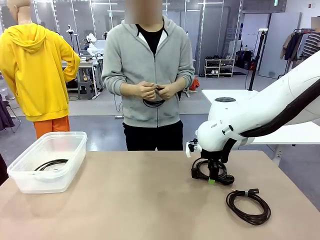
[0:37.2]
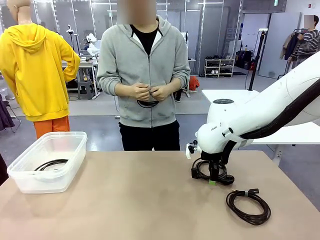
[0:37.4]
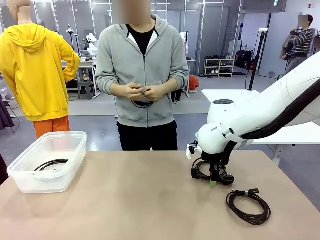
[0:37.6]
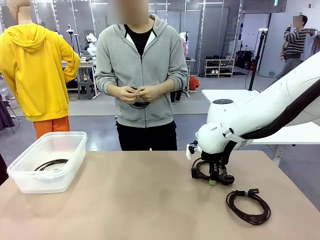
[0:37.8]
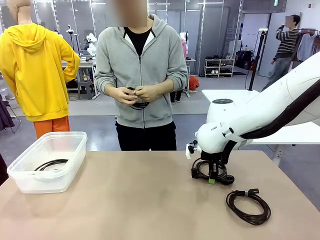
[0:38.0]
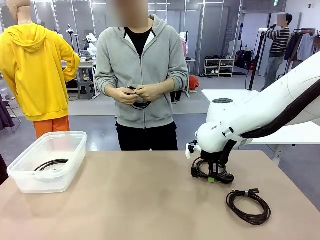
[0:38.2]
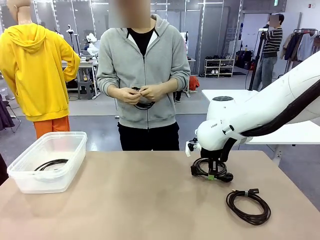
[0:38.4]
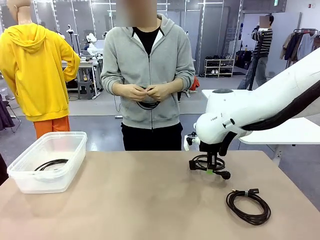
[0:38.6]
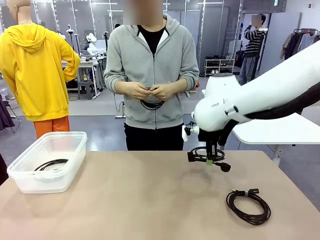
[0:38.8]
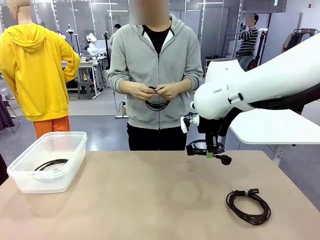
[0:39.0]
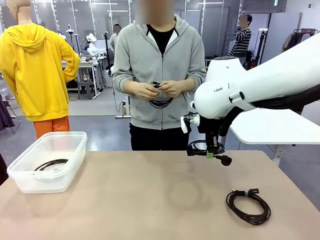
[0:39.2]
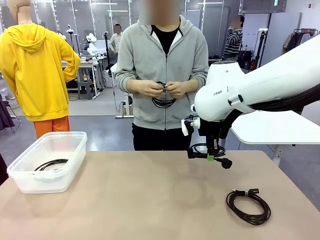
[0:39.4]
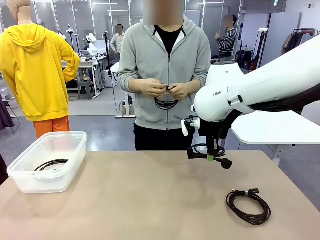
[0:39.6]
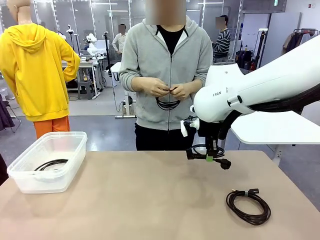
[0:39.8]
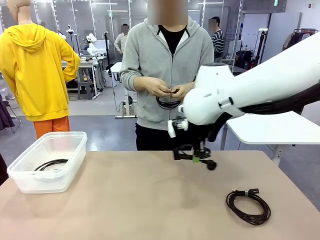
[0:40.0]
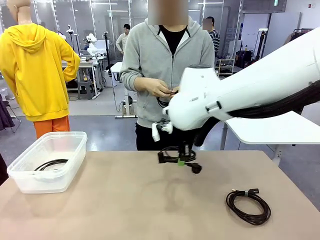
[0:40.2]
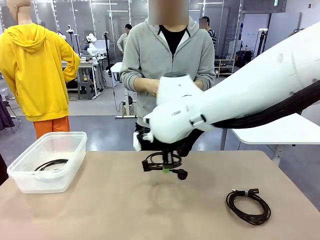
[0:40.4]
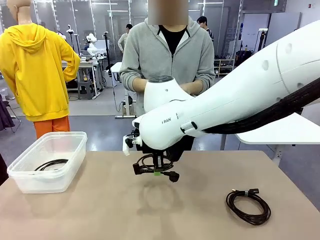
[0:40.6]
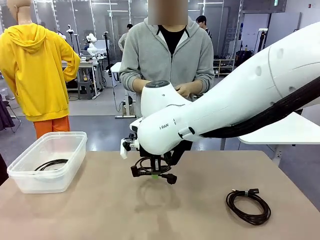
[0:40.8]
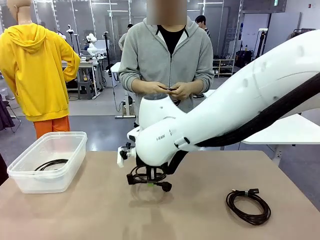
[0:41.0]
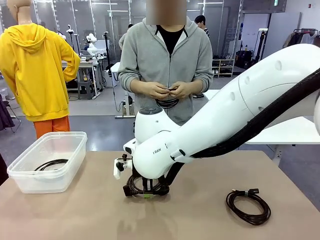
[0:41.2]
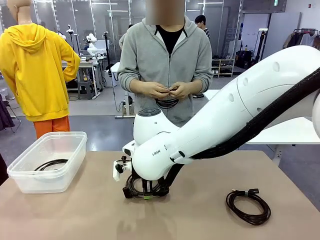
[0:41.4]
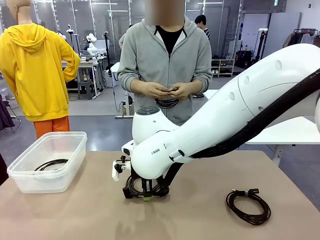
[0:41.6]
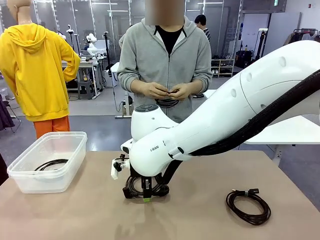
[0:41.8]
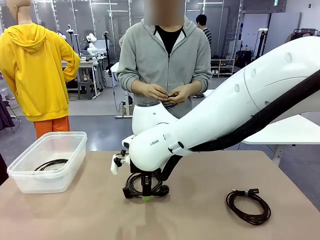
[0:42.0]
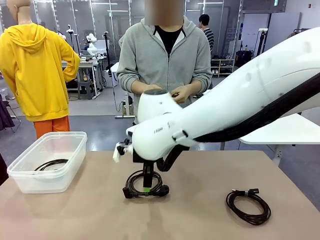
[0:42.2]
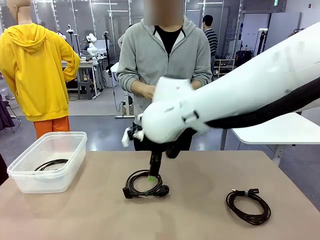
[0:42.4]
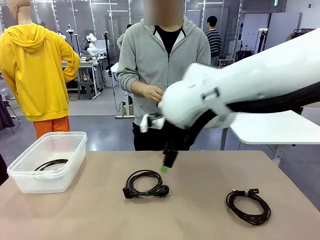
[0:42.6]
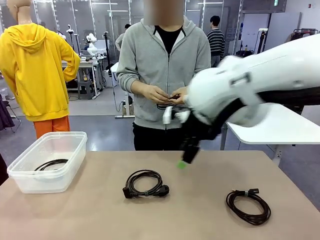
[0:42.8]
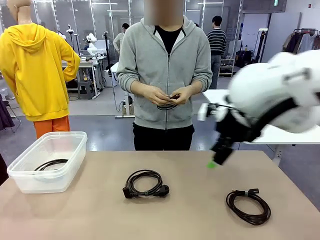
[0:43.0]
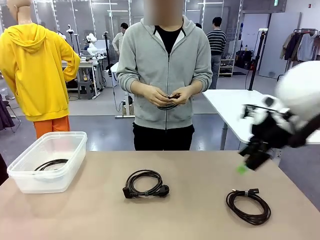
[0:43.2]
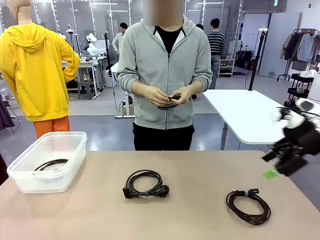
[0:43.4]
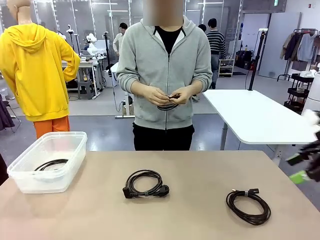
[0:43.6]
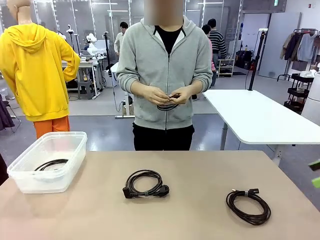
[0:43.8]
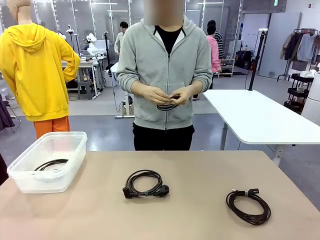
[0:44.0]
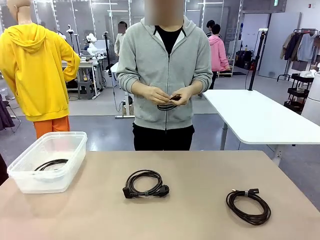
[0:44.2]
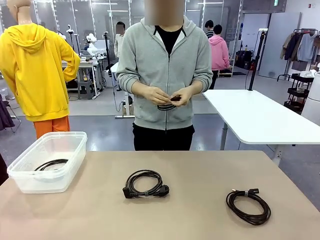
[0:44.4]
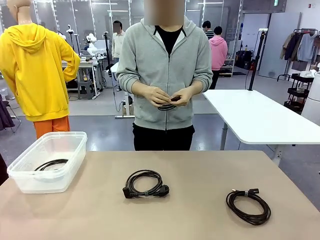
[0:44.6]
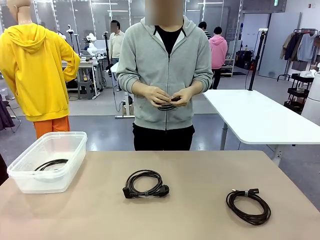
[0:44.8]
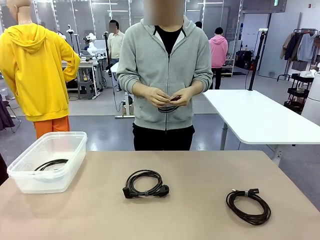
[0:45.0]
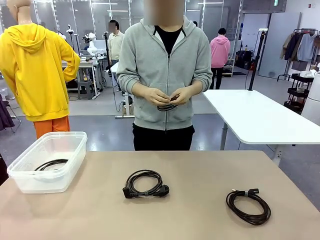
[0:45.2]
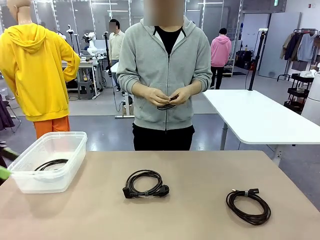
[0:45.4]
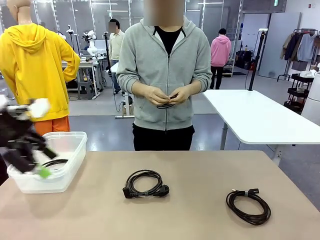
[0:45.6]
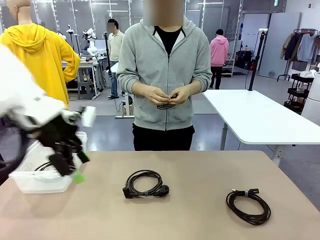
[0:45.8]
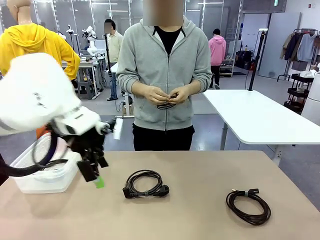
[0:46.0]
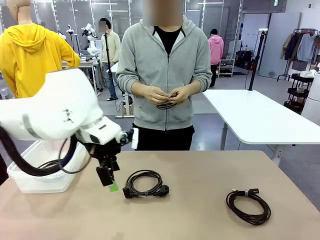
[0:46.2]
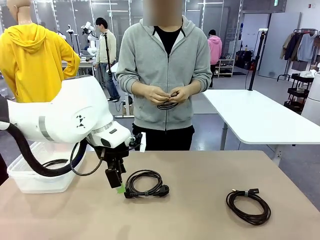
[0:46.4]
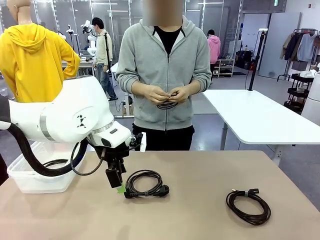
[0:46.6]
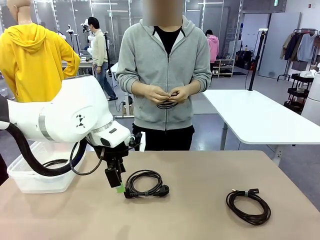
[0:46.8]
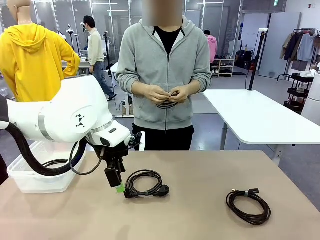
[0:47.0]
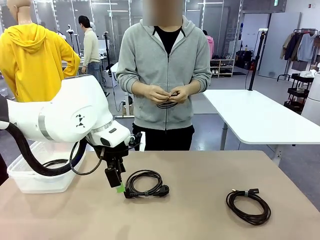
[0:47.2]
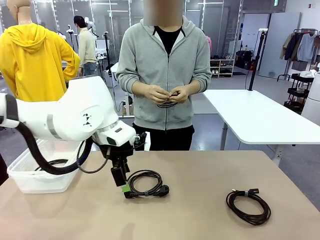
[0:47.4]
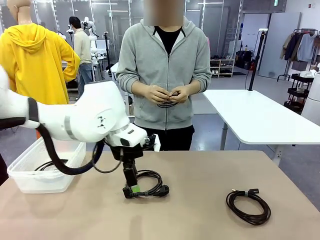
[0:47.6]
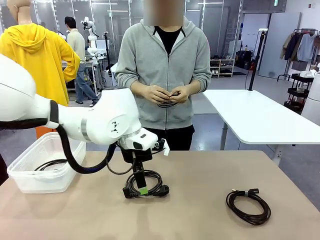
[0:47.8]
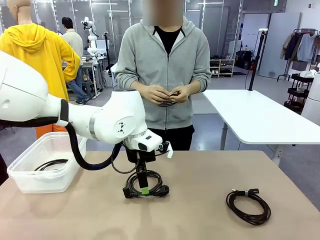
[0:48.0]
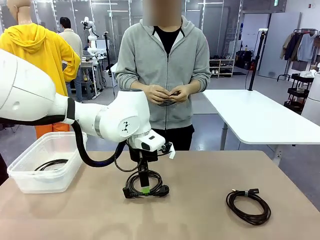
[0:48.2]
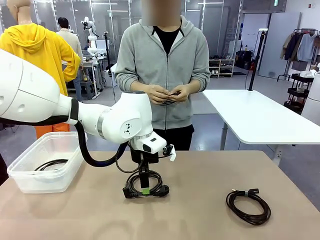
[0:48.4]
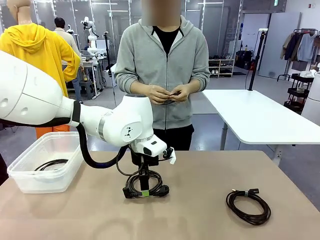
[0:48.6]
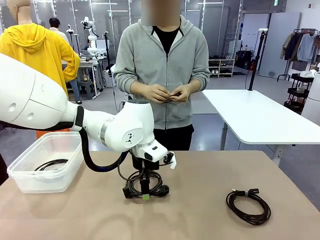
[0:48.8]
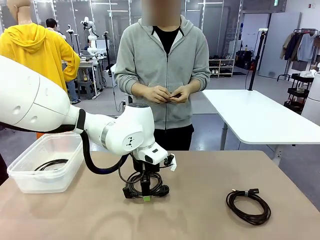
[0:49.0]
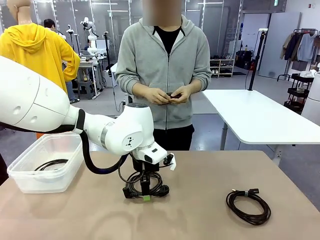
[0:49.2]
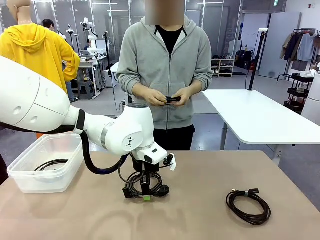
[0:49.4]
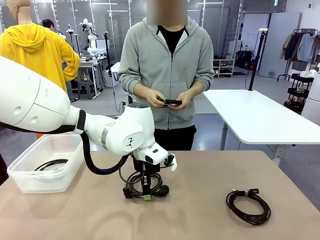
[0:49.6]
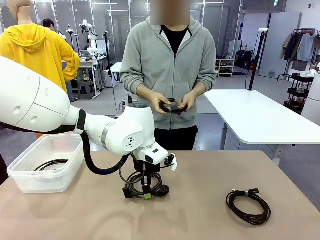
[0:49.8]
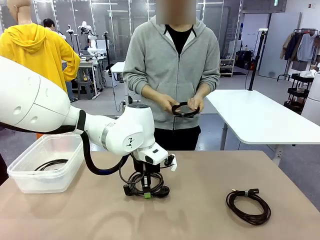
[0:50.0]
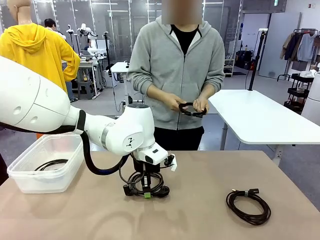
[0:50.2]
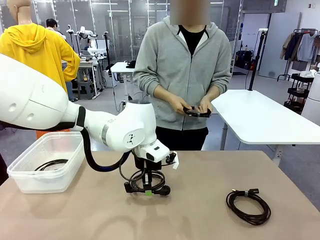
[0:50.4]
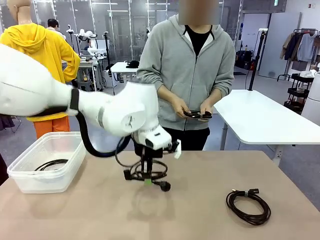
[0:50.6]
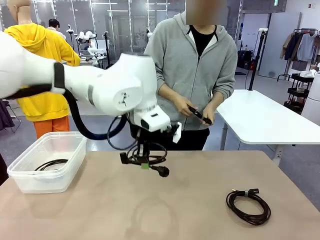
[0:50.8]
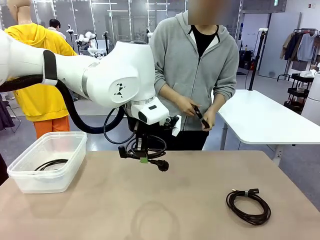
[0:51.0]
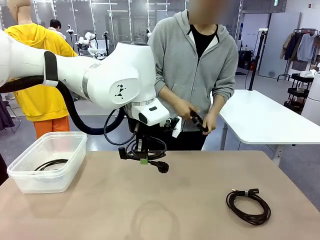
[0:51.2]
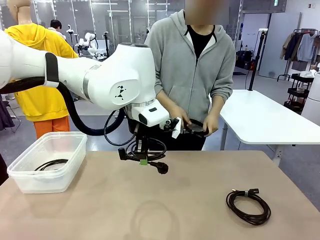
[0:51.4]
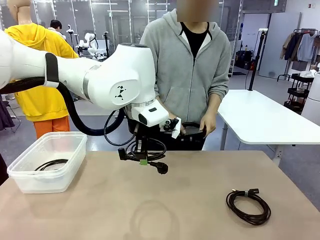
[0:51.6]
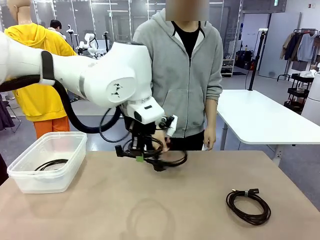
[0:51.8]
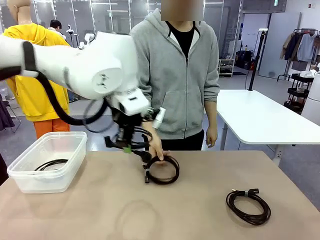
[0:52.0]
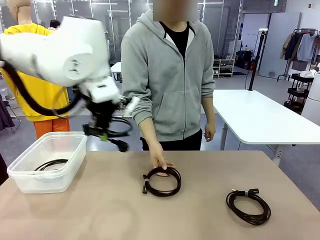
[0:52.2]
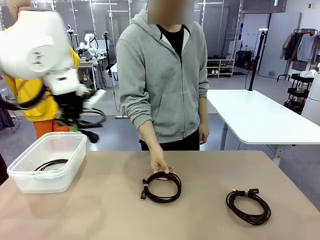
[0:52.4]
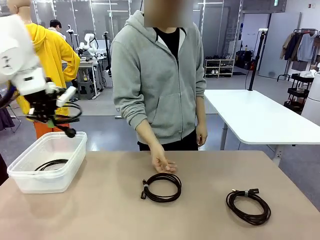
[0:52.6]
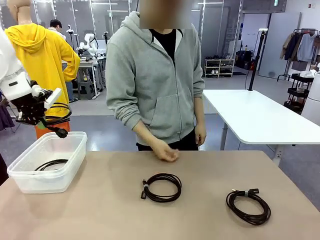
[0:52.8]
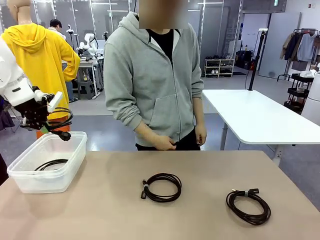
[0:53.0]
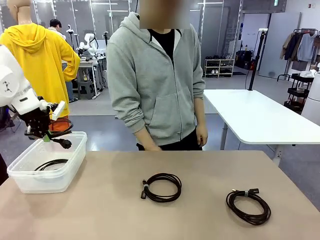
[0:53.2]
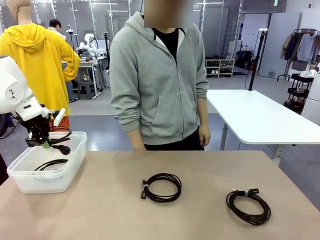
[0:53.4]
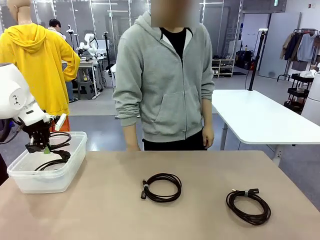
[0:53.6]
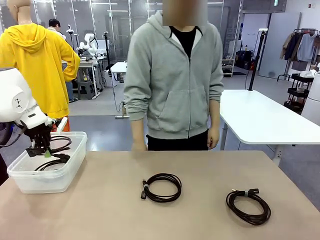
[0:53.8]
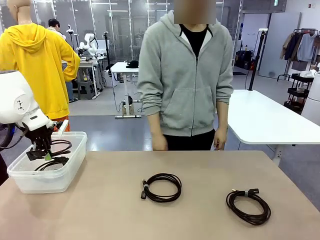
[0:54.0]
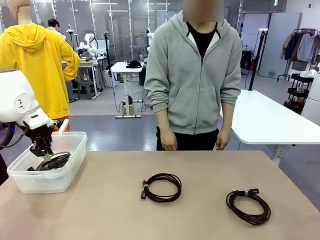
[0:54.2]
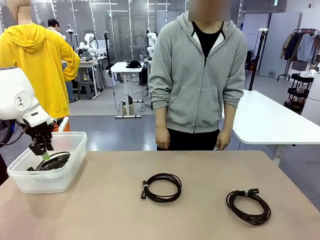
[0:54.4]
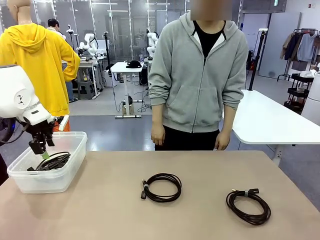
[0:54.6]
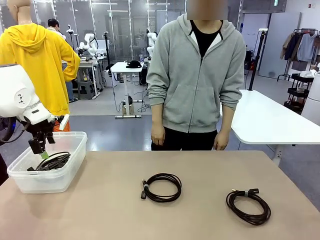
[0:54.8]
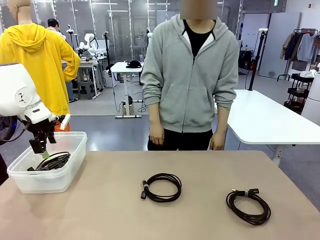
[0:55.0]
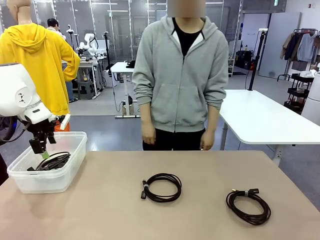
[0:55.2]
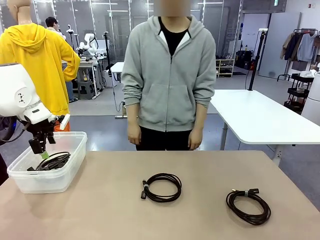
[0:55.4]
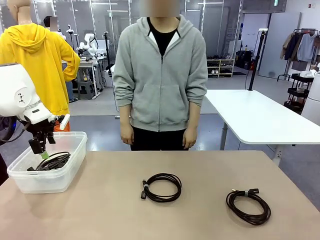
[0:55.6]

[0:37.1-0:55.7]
Task: Organize and store the cables.
Robot: Place the Power Cable into the Organizing box.
